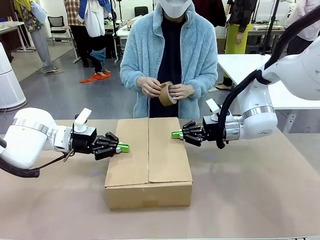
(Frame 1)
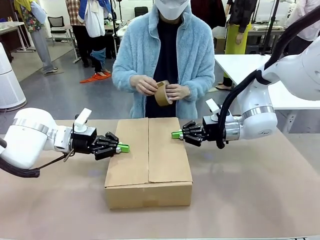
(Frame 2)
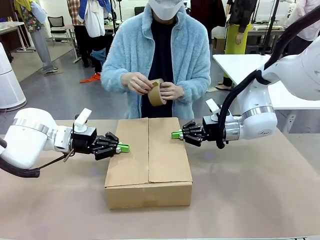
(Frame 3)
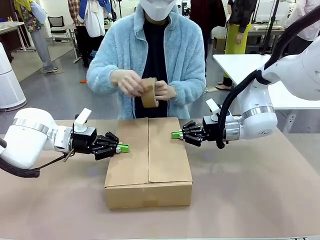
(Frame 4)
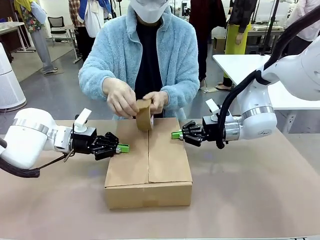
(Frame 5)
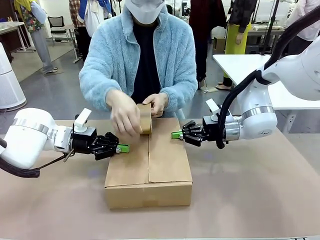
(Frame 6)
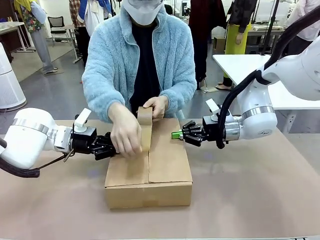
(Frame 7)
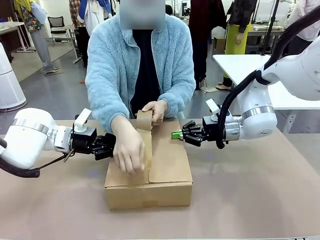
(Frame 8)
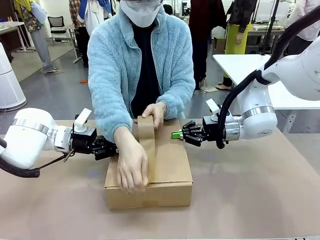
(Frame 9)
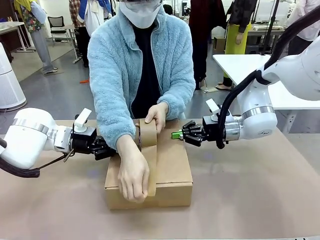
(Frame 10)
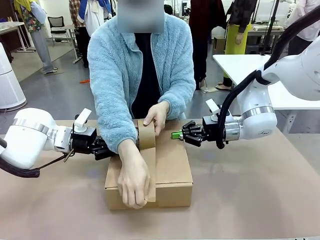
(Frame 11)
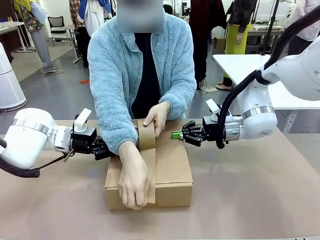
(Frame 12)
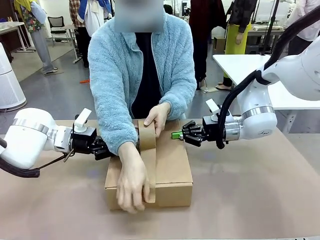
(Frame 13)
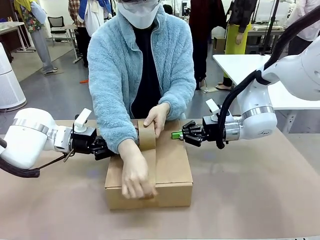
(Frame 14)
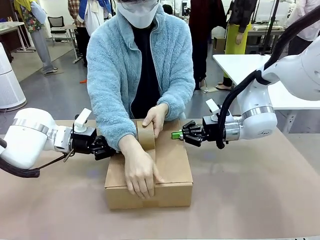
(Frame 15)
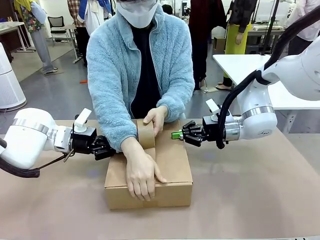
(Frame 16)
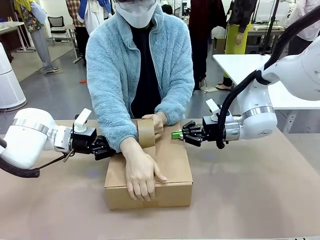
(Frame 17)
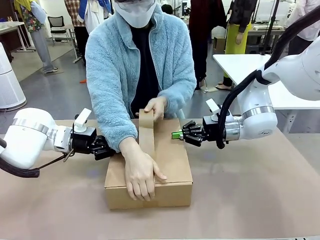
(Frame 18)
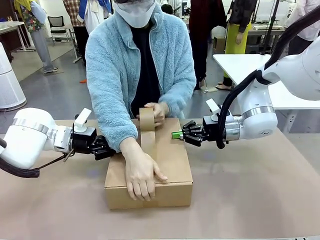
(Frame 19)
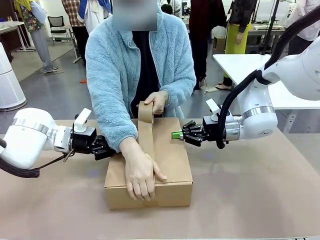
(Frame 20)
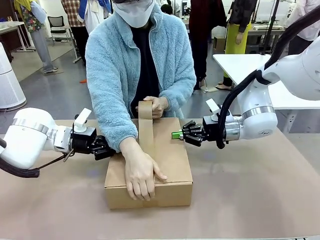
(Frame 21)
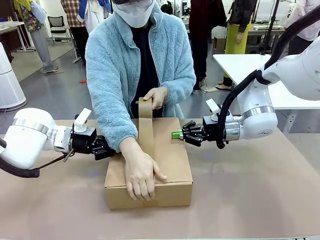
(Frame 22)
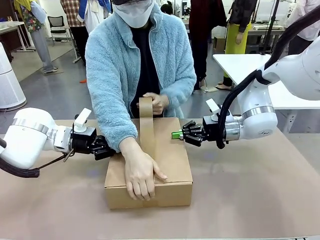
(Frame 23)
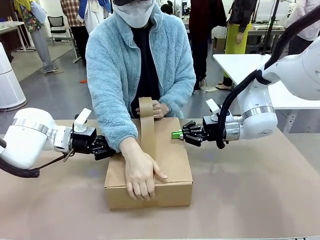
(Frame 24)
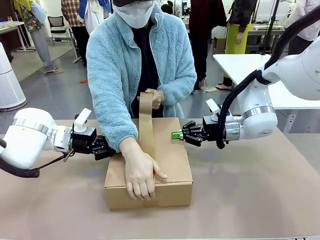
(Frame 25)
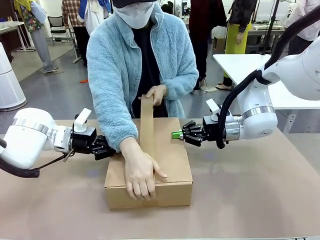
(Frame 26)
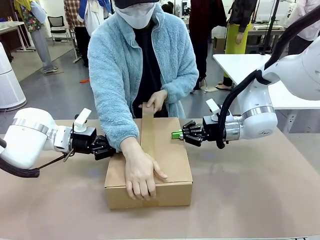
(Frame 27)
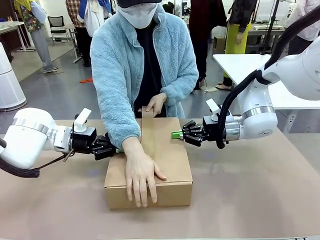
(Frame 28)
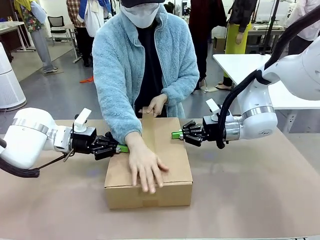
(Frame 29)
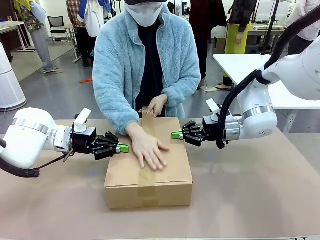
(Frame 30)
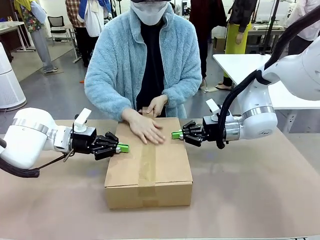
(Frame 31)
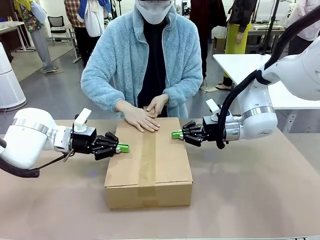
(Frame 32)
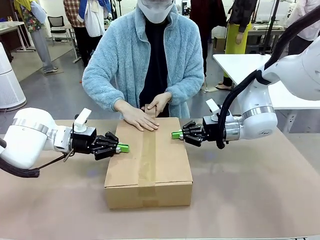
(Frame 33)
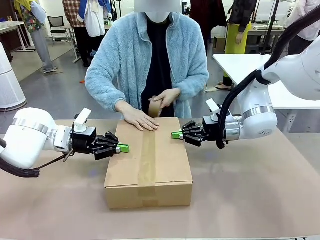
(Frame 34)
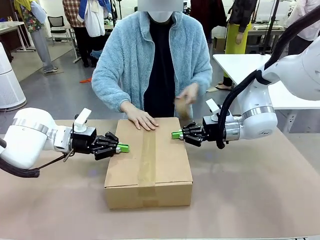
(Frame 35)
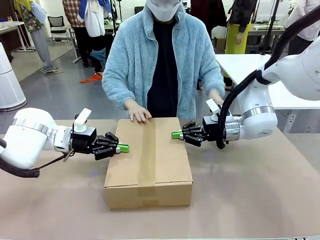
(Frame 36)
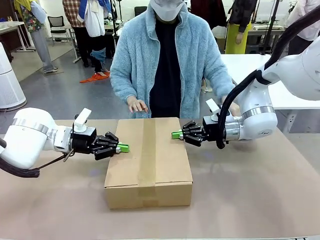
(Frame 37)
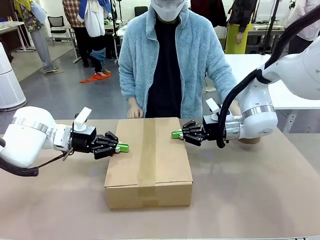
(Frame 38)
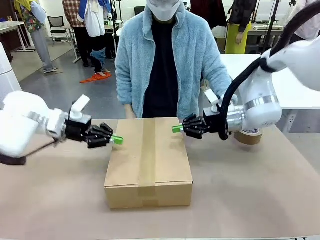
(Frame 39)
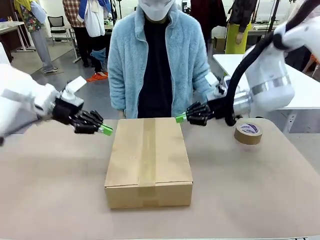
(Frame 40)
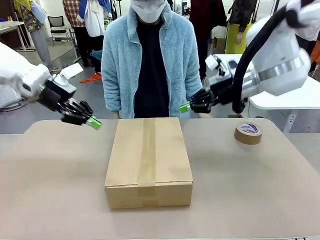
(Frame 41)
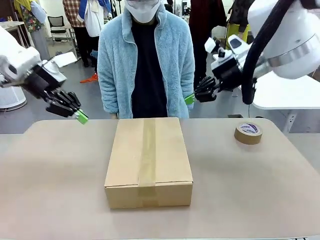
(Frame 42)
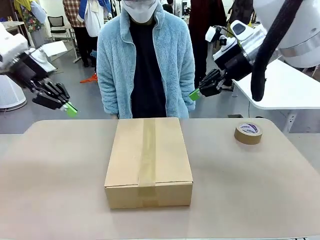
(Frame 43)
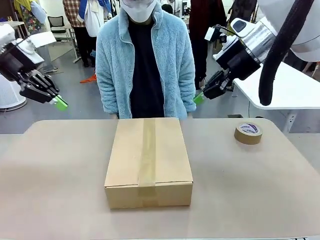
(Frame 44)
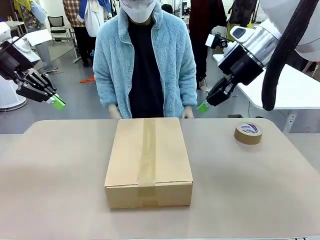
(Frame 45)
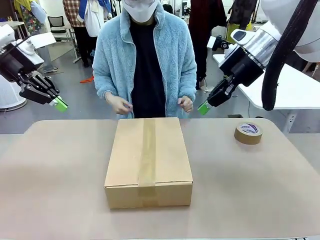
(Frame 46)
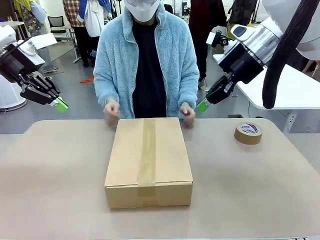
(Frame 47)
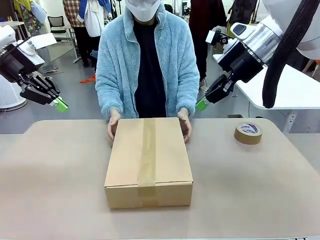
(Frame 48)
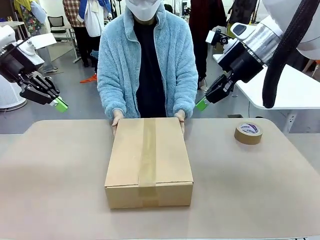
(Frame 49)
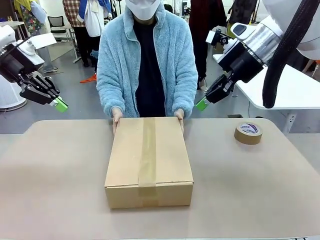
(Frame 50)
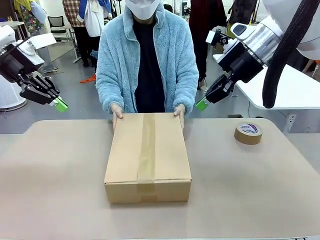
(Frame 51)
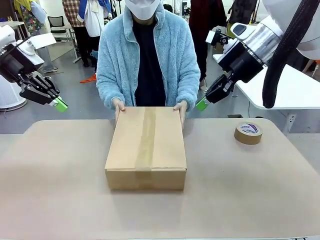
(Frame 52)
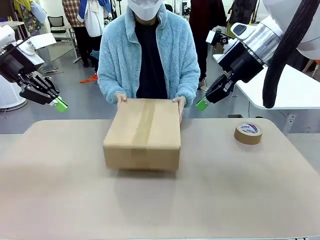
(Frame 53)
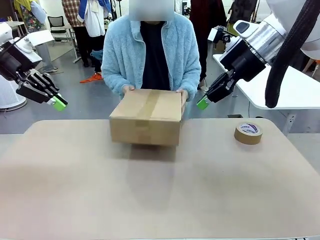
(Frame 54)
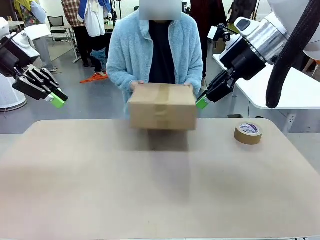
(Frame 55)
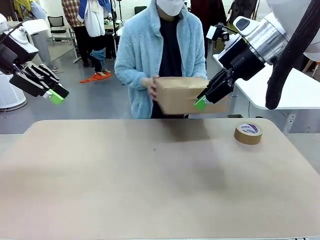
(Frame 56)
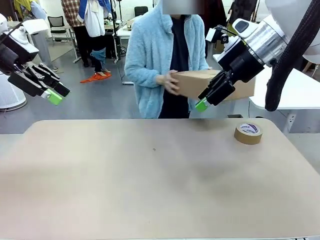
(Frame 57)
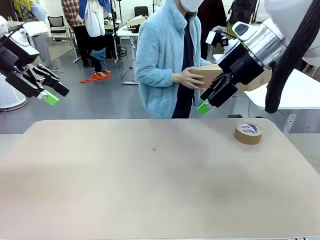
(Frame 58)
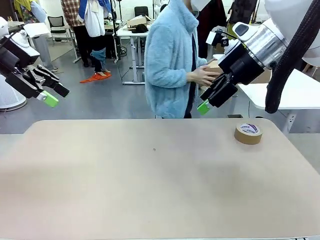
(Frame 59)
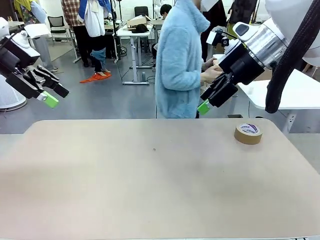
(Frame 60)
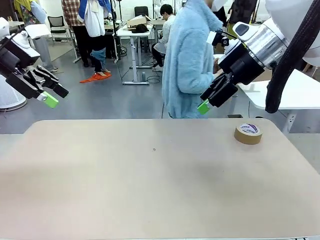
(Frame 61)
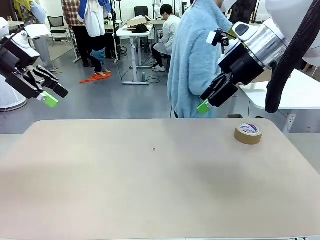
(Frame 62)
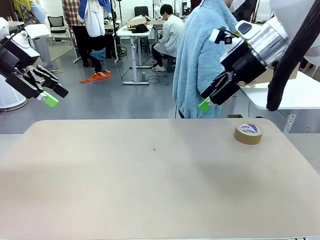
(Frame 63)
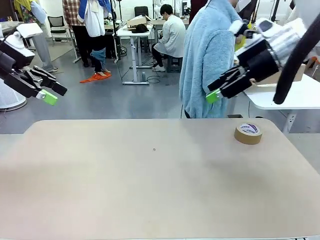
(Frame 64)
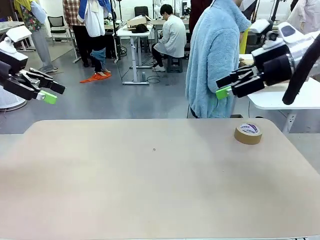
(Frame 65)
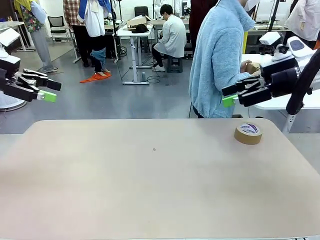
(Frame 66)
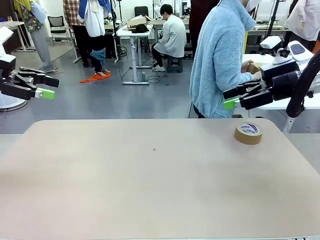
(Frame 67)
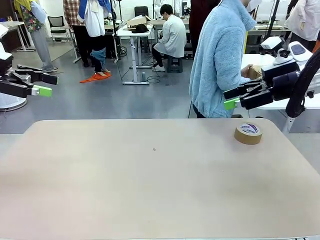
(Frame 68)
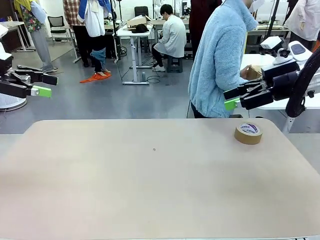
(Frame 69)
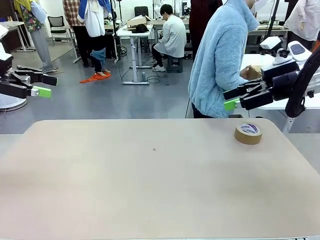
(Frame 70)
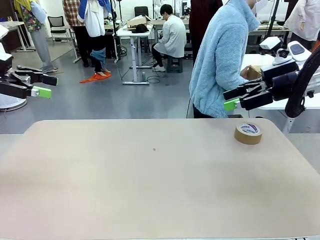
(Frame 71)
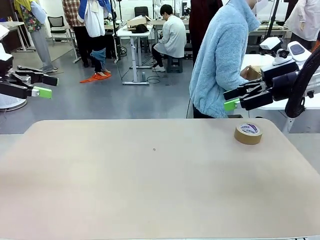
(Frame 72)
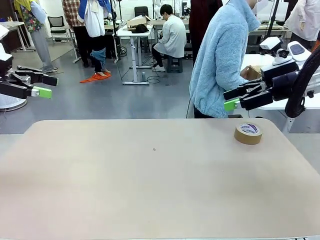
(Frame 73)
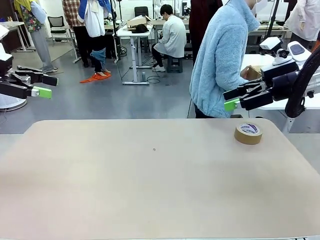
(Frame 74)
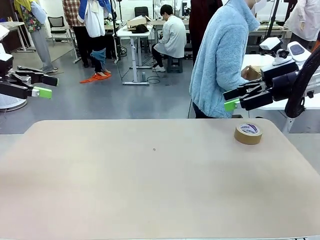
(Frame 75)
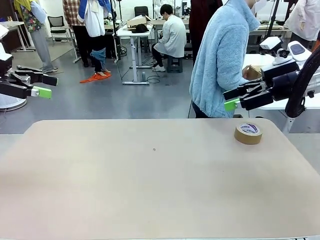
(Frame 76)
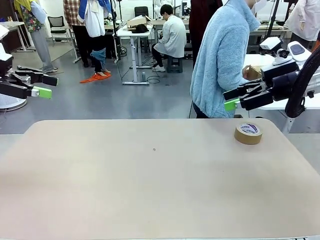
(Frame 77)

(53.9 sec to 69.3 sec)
Task: Wrap the clocks to prevent damage.
Robot: After the human seals the box with tape, release both hands from the side flaps of the Package Box.
Person: Place sealed Package Box in the middle of the human's table.
